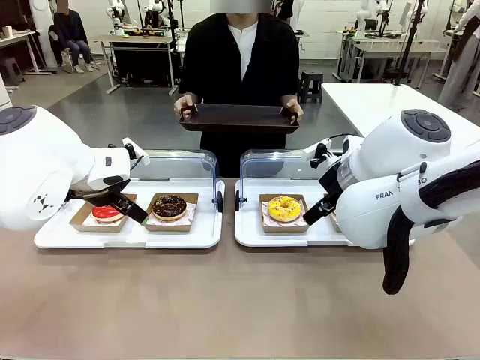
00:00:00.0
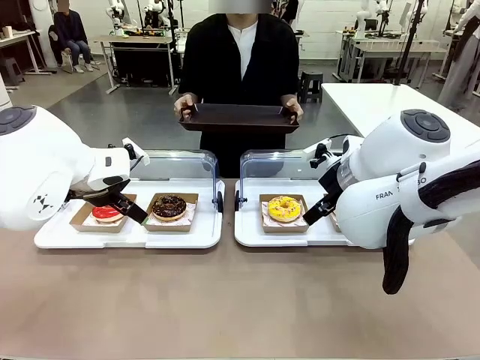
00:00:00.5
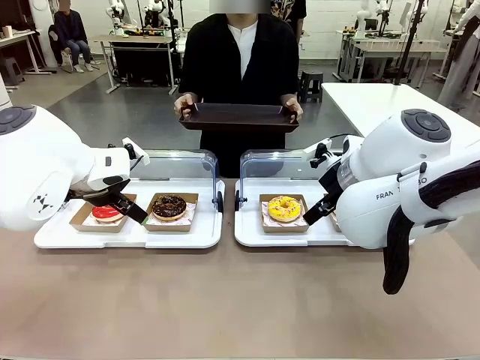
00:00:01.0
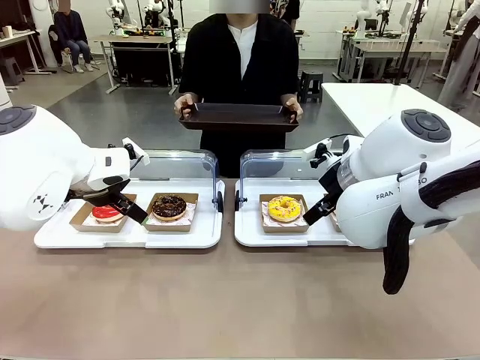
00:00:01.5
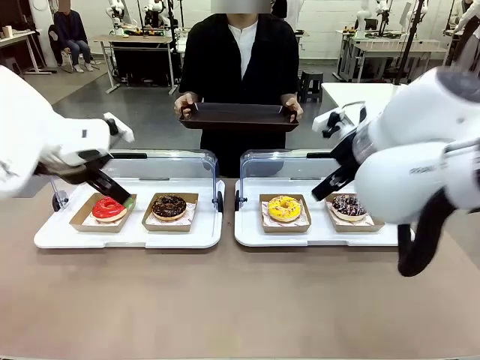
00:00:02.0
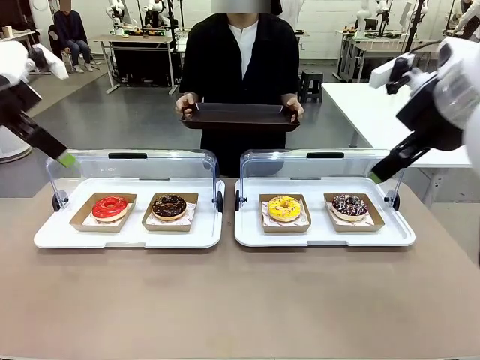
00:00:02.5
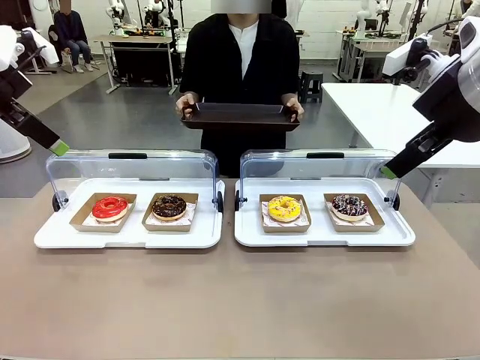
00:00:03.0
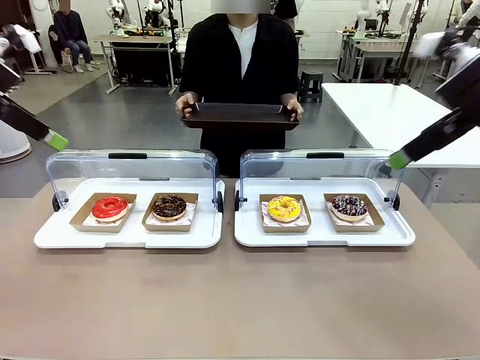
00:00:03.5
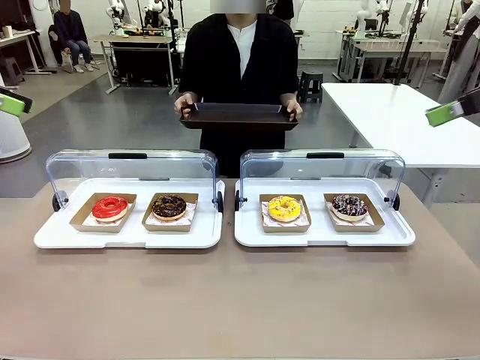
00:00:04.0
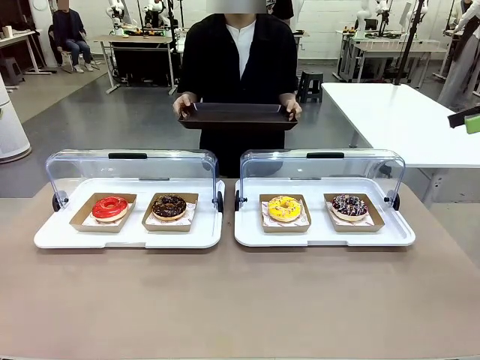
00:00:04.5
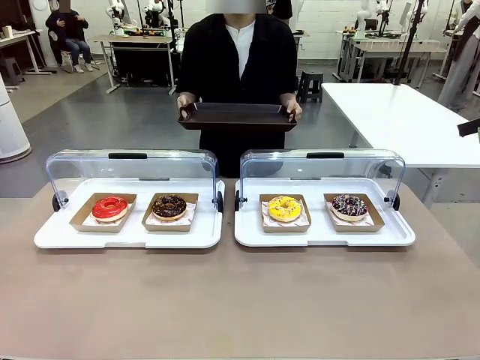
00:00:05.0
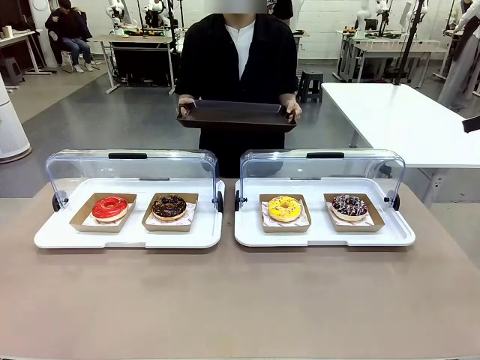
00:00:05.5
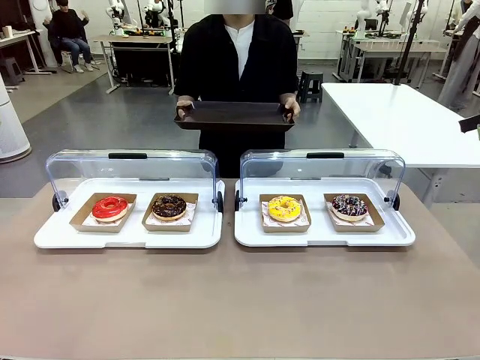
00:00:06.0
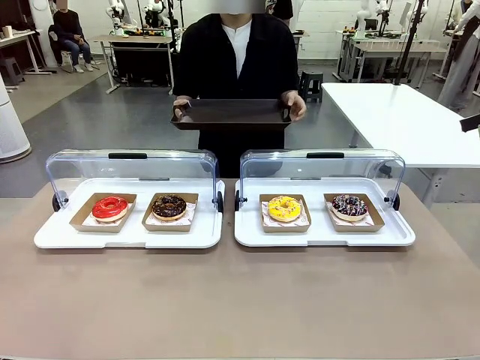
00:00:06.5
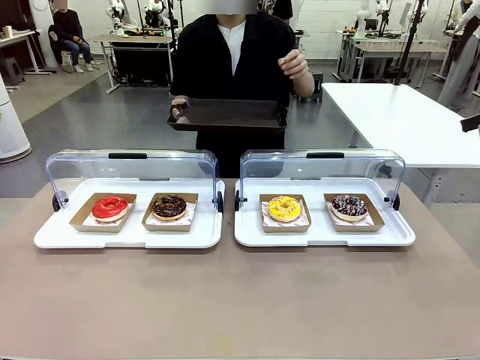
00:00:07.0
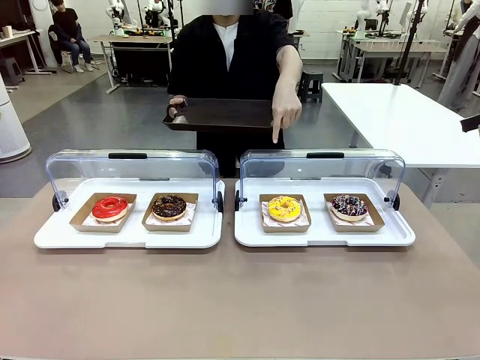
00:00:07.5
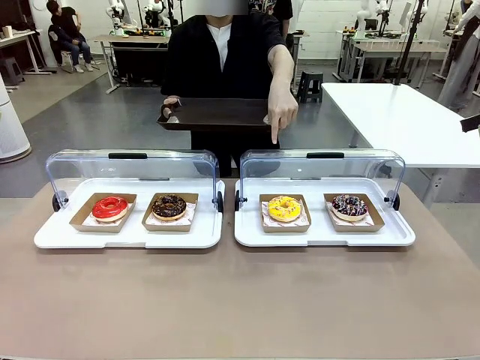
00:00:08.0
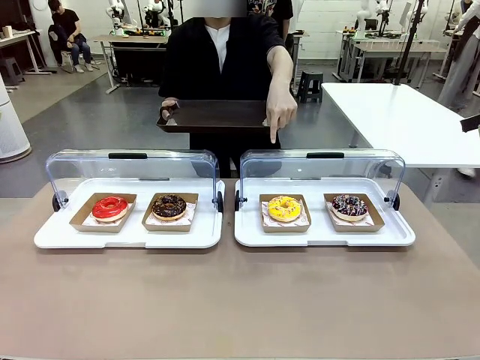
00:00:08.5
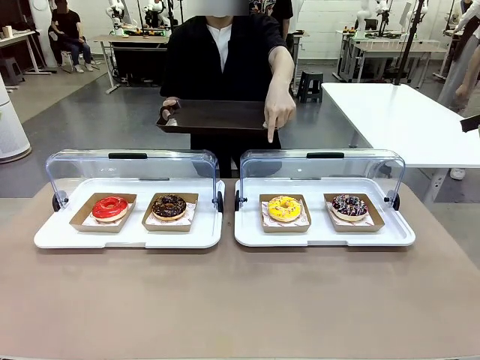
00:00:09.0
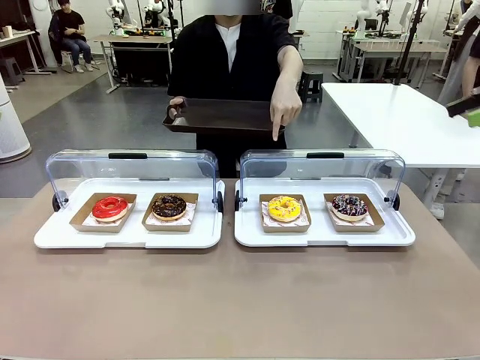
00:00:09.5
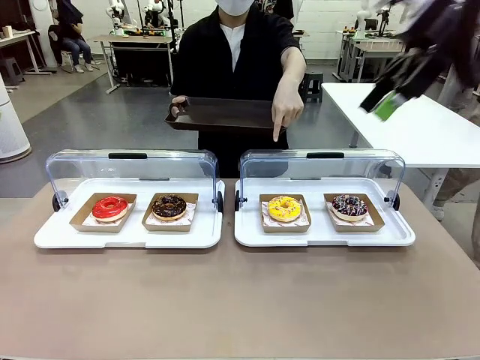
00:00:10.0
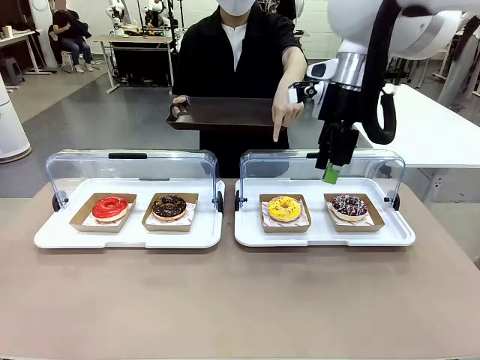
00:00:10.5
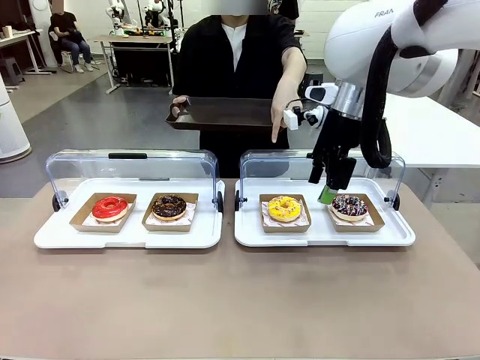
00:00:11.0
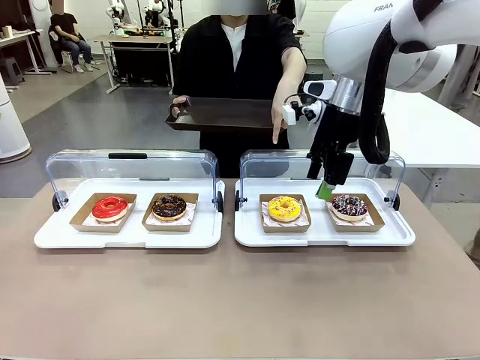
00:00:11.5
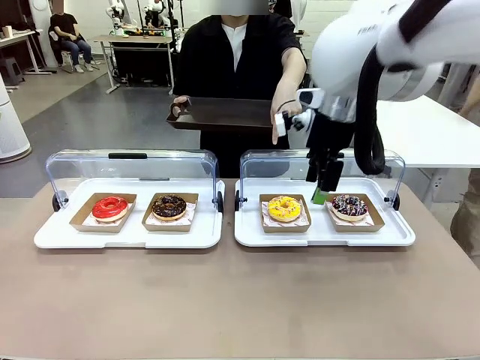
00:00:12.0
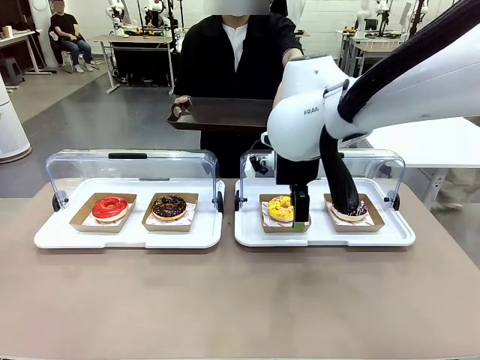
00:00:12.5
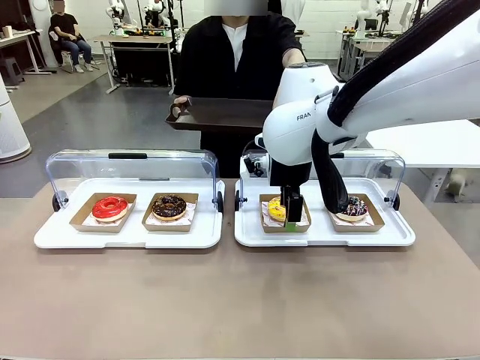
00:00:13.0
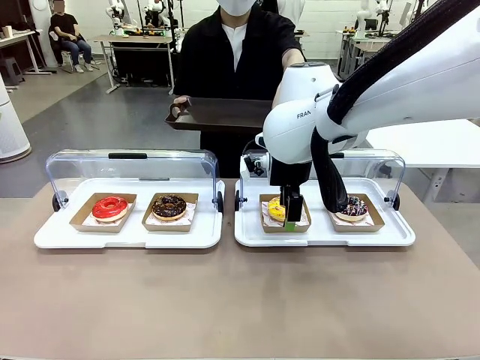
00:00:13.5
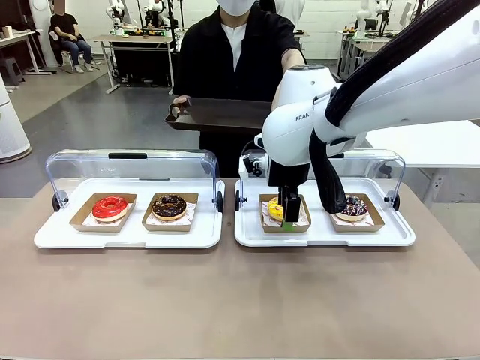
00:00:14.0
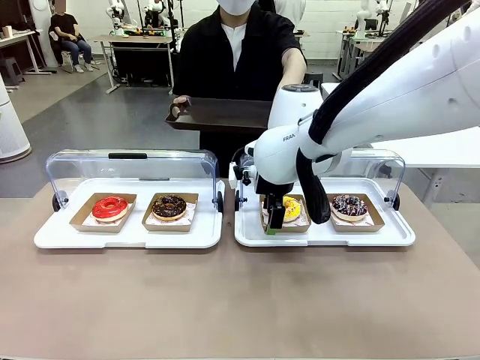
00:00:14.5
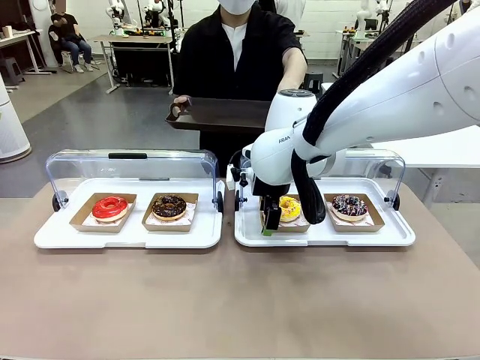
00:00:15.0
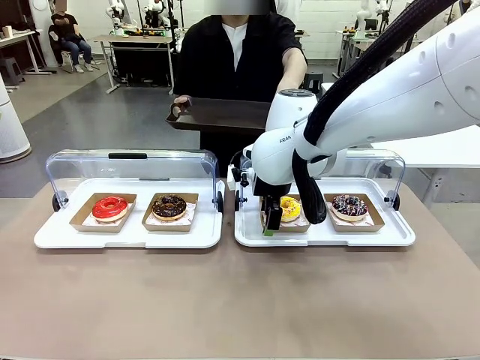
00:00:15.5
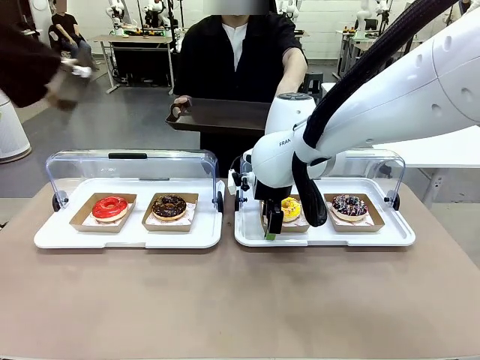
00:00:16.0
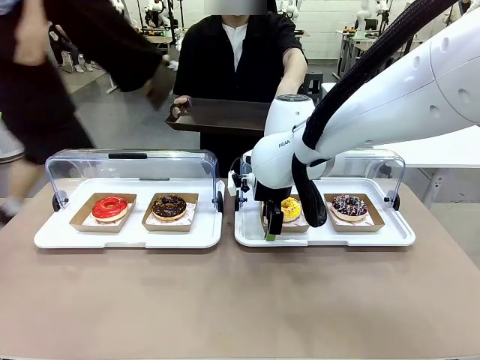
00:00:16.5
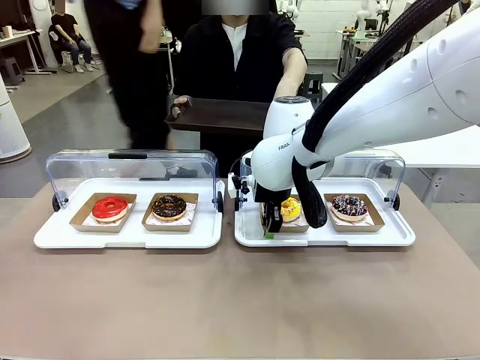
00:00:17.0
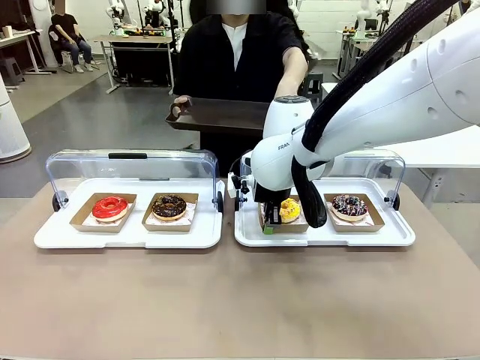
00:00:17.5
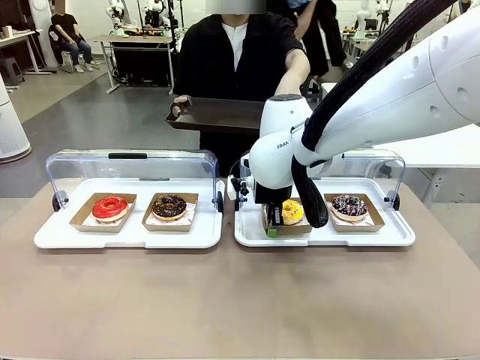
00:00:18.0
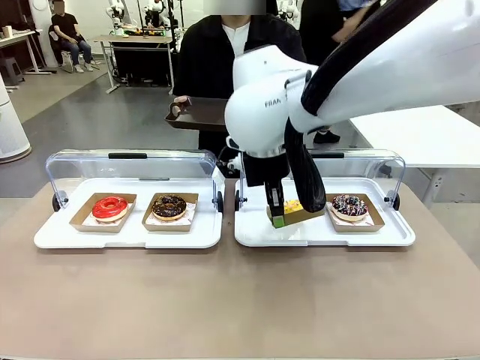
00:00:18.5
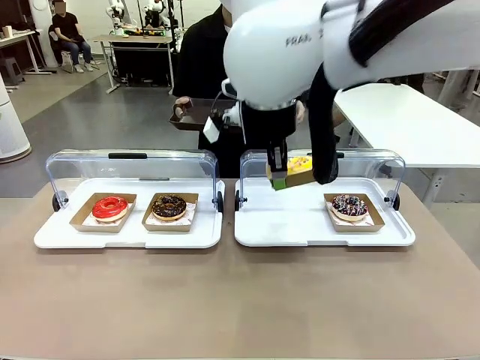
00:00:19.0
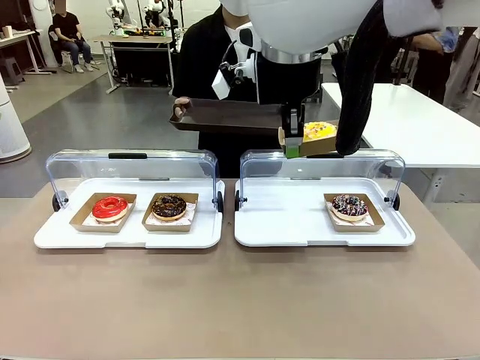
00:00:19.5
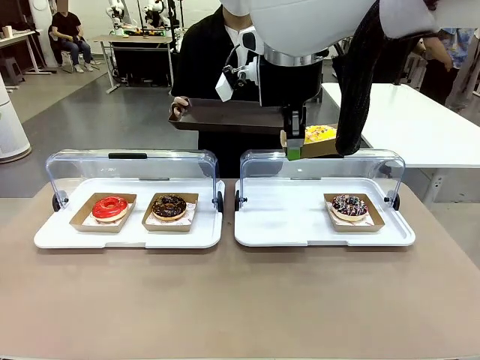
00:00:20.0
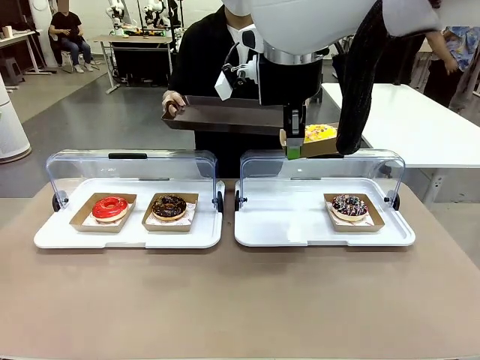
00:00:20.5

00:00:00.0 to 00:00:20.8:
Task: Provide the desired donut to the person.
Robot: Pick up and lift the Paper togo box containing the Donut pointed at by the person.
Person: Point to one donut. Lift the tray onto the Roll-Top Bakery Case.

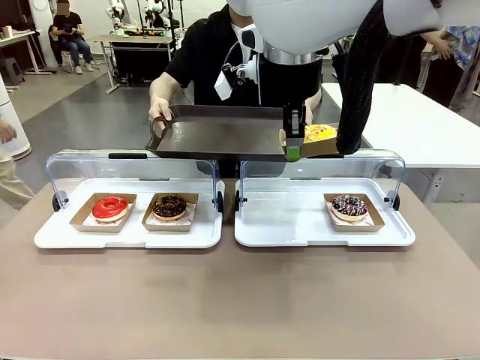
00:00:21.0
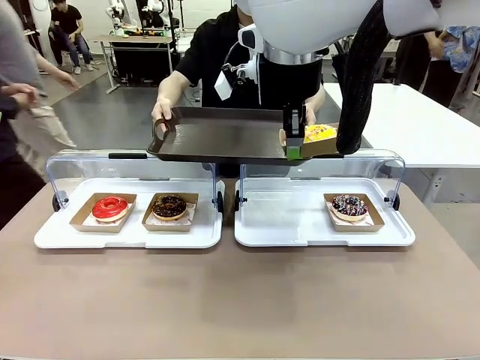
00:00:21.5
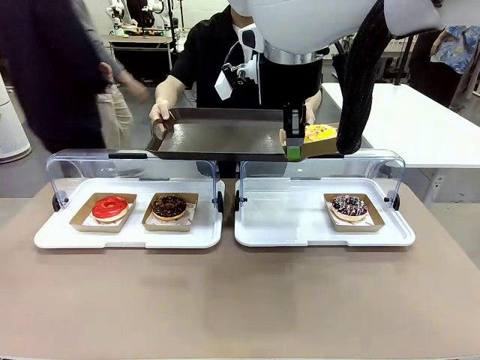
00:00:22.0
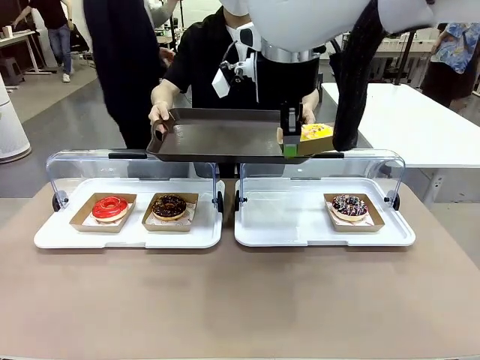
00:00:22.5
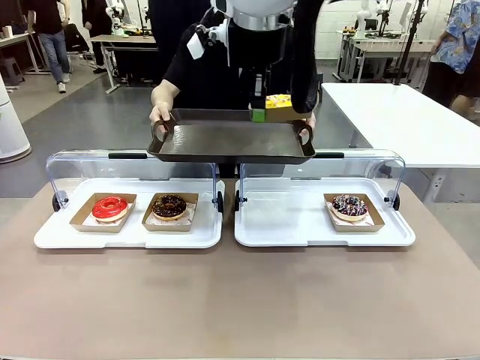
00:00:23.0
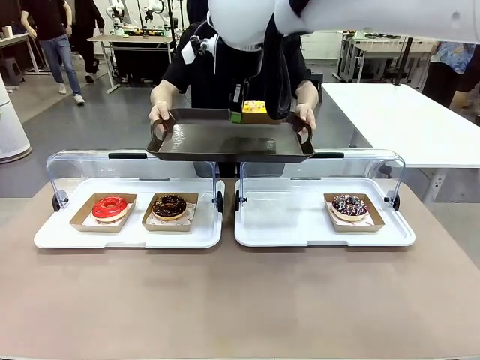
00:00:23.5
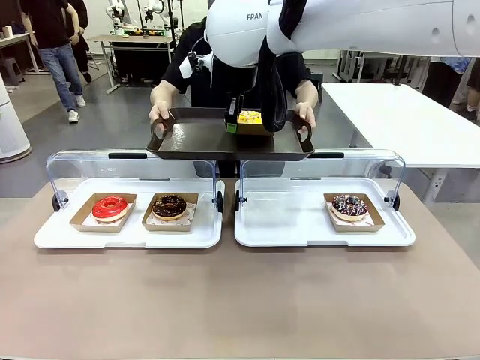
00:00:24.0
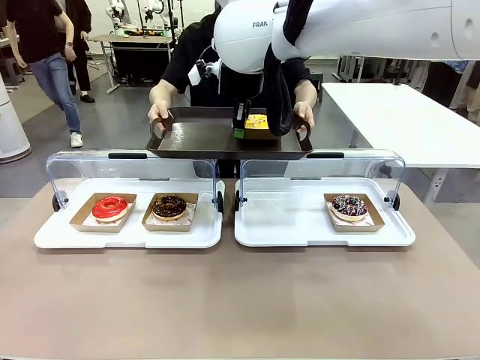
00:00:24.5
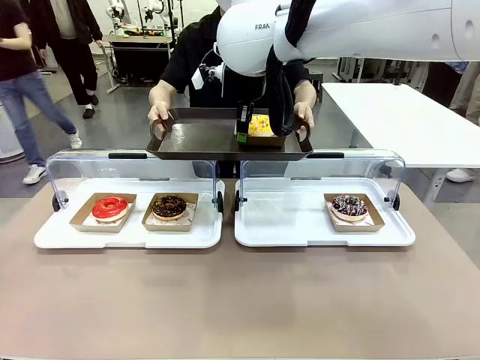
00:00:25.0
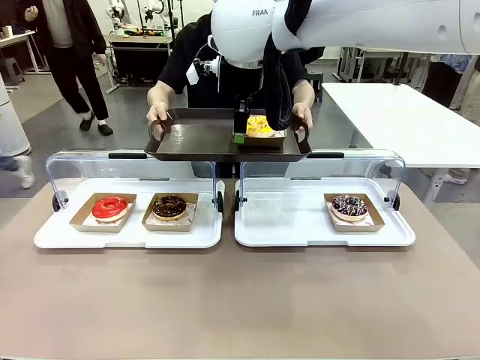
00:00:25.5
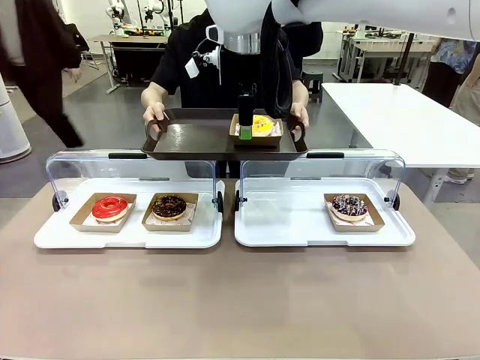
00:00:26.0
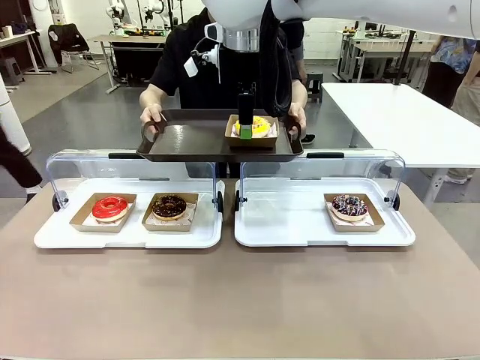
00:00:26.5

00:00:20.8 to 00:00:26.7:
Robot: Place the picked Paper togo box onto the Handle tray extended by the person.
